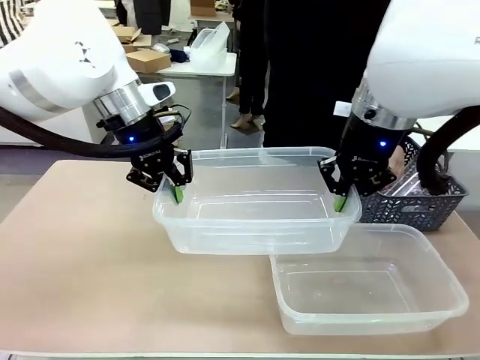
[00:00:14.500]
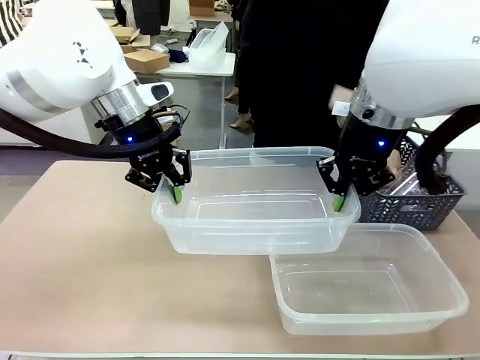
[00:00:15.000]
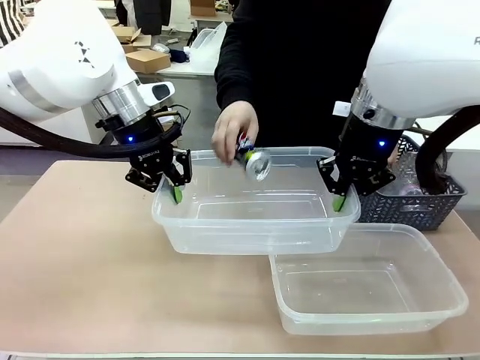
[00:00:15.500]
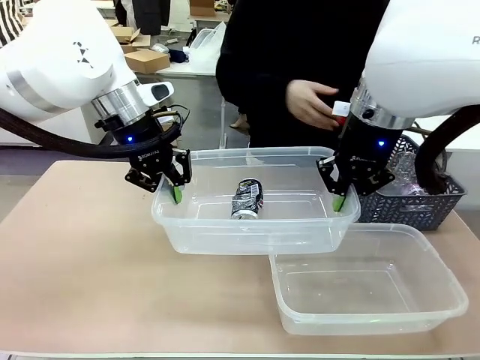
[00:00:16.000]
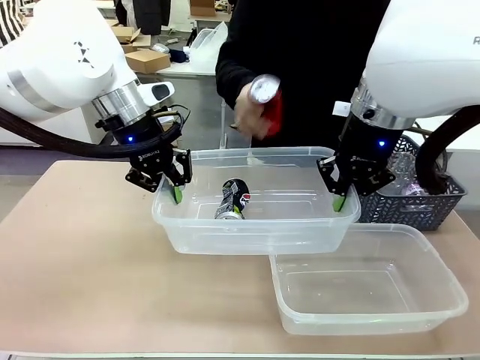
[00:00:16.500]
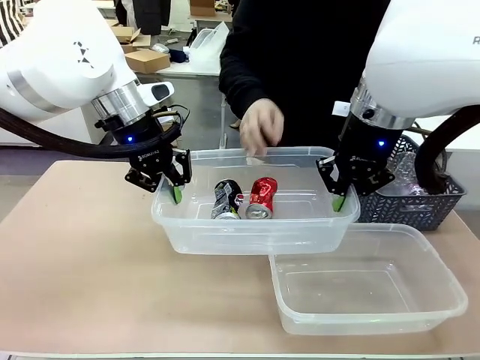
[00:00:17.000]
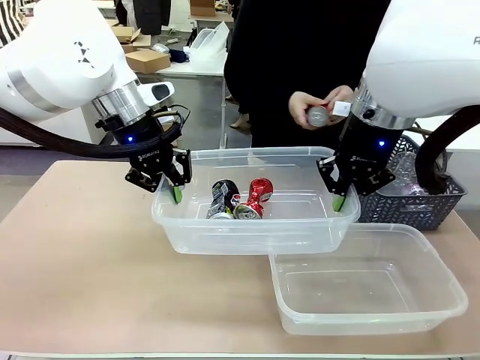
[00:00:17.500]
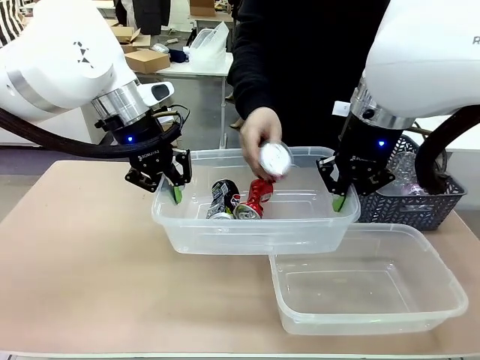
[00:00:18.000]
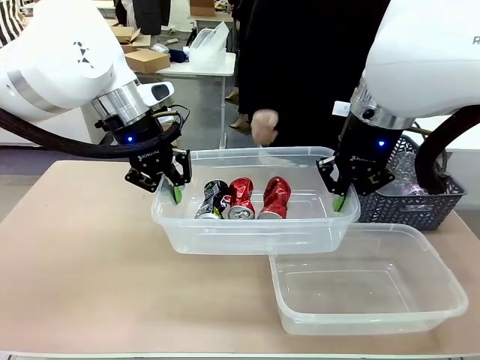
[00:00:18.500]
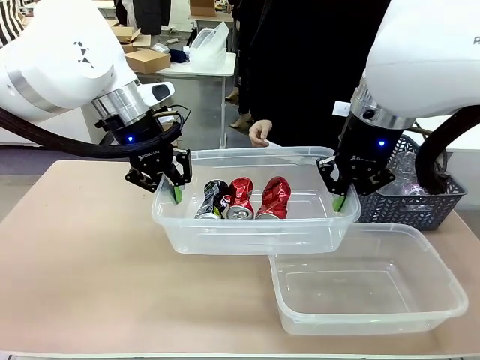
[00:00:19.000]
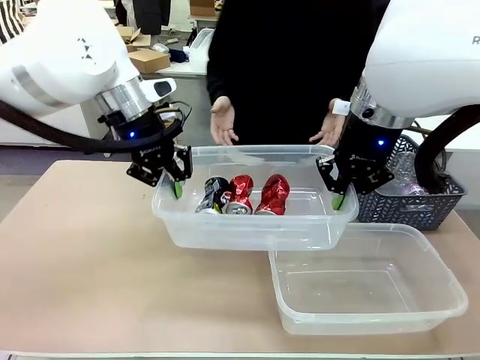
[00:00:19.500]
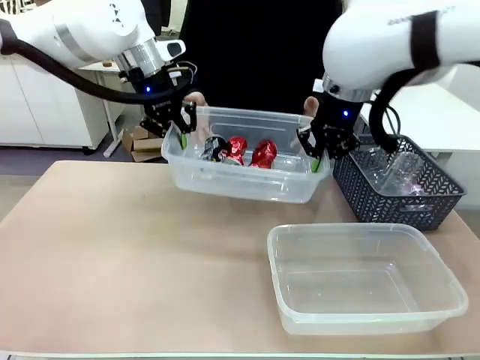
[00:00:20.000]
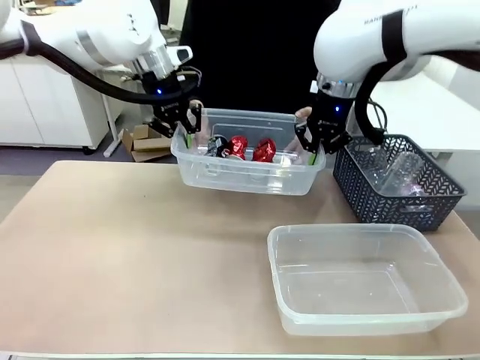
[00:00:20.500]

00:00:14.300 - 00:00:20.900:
Robot: Offer the picked Organizing box to the human.

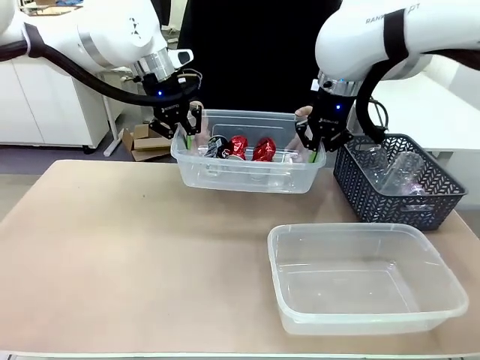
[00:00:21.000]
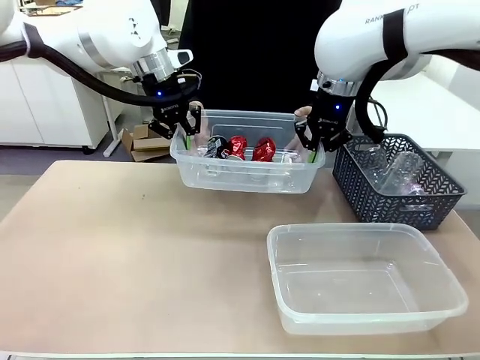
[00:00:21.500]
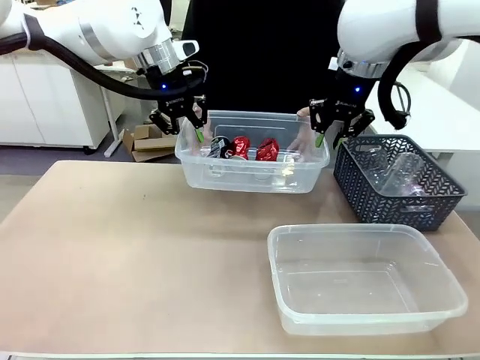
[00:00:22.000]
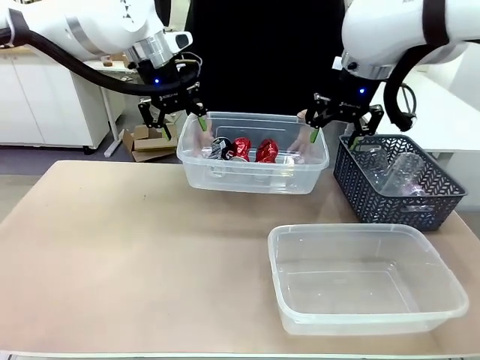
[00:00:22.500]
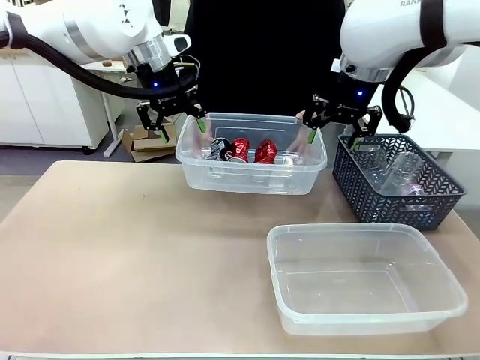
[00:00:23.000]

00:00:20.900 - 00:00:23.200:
Robot: Release the Organizing box you were holding.

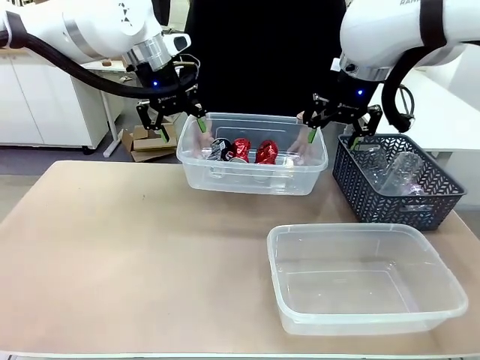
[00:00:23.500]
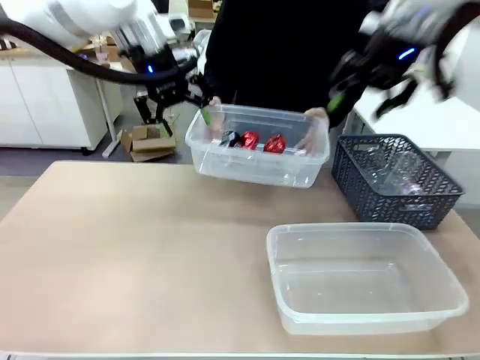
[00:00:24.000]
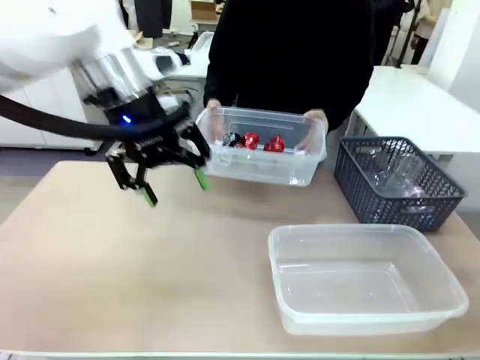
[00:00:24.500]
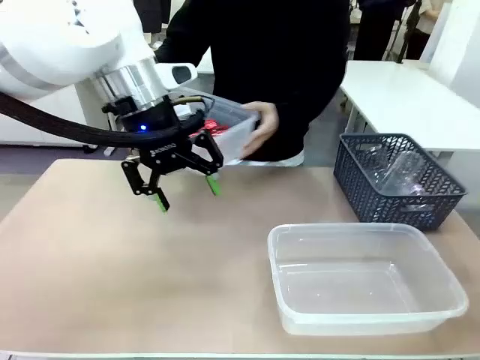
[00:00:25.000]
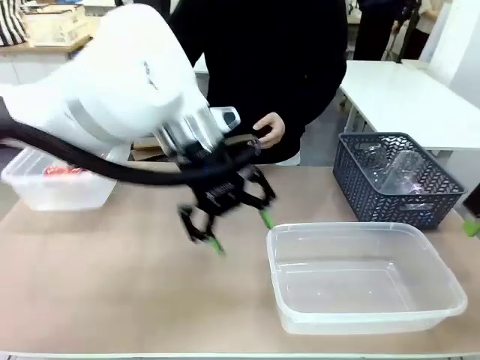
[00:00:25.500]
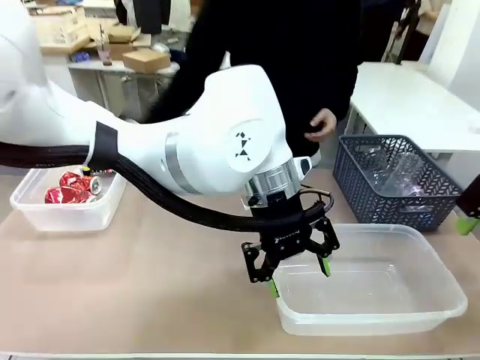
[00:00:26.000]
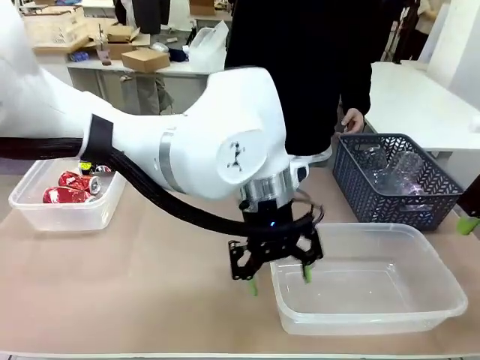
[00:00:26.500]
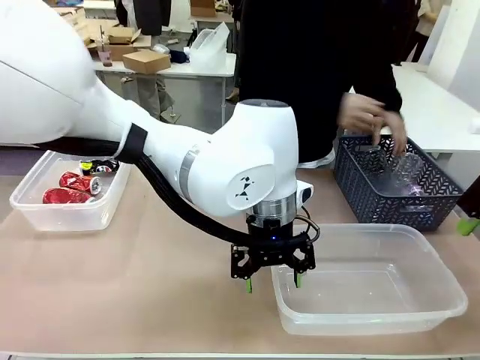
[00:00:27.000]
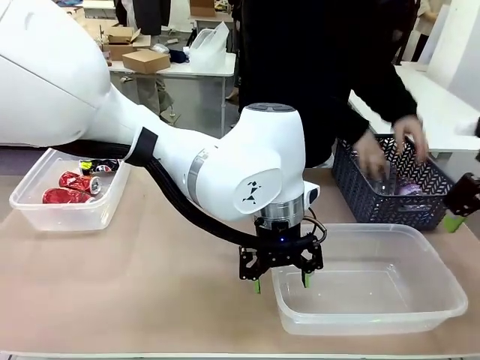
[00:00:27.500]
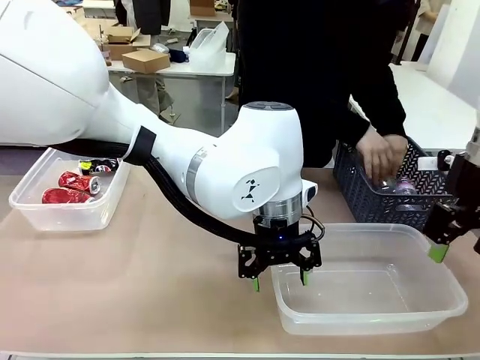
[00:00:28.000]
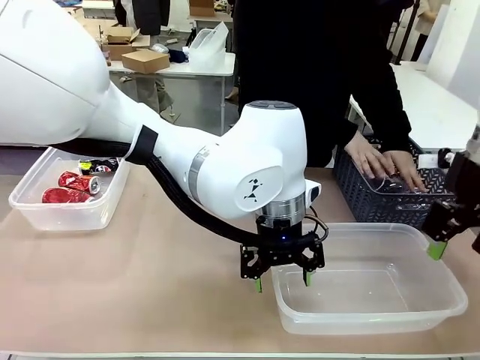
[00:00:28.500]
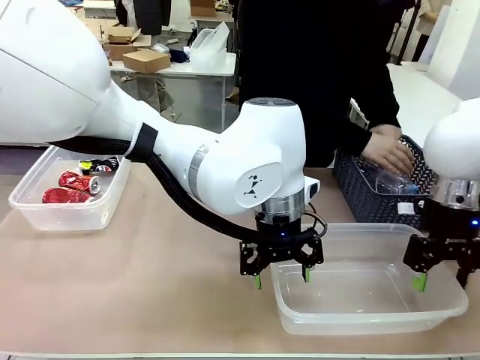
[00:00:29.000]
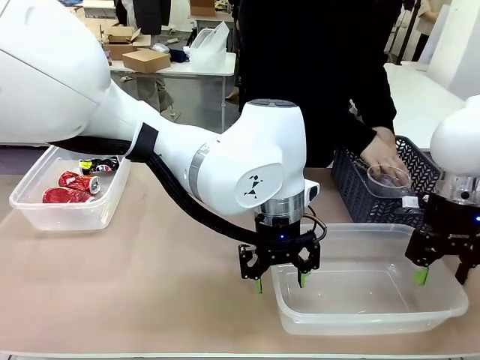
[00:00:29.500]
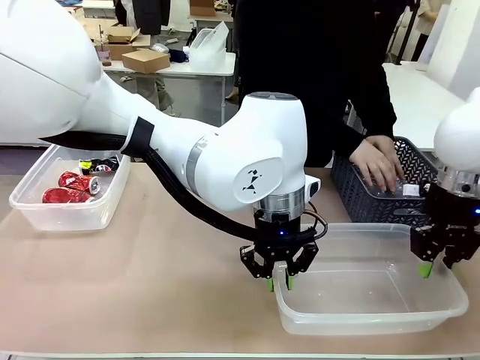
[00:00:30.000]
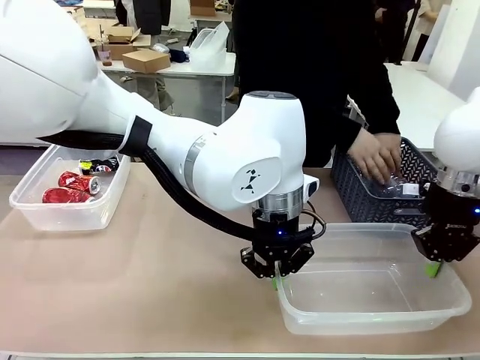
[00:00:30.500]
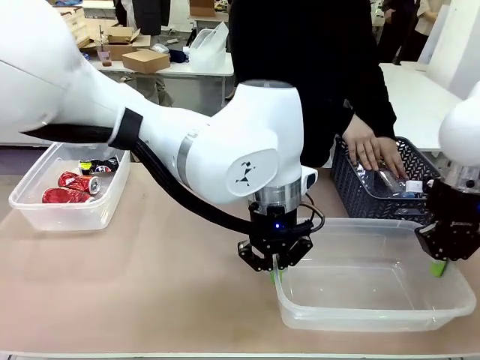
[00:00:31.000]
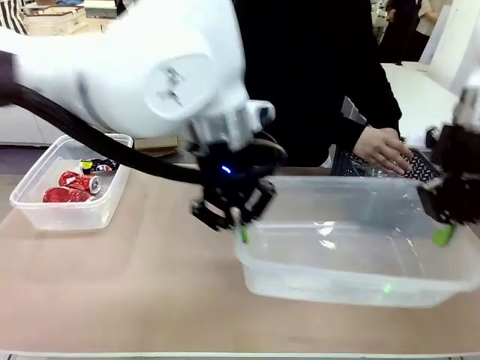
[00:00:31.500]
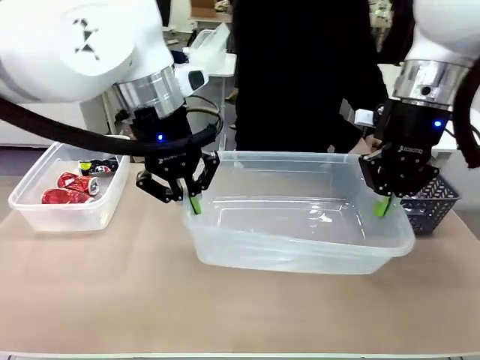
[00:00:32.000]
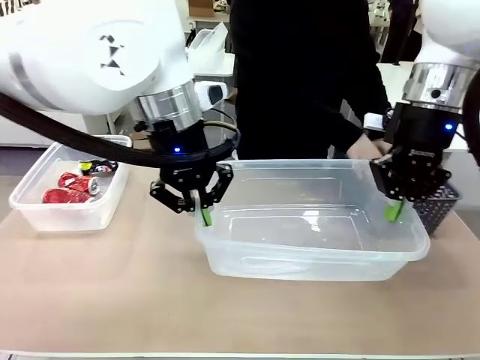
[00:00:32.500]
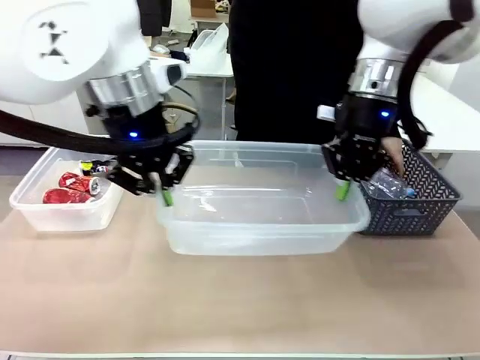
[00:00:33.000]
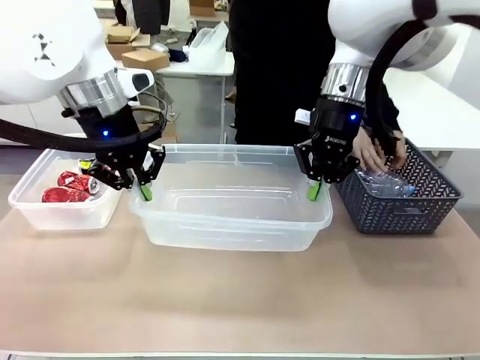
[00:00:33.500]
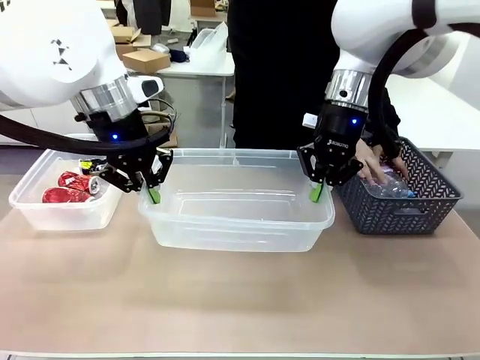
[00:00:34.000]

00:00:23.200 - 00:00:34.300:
Robot: Pick up the Organizing box on the right side of the table and lift it.
Person: Place it at the edge of the bottom right area of the robot table. Pick up plastic waste one by one and place it into the organizing box lifted by the robot.

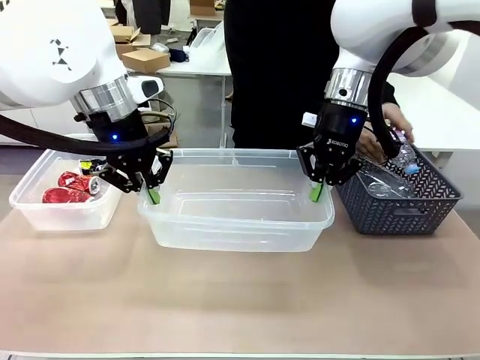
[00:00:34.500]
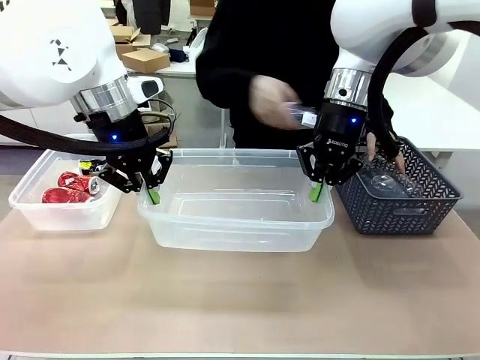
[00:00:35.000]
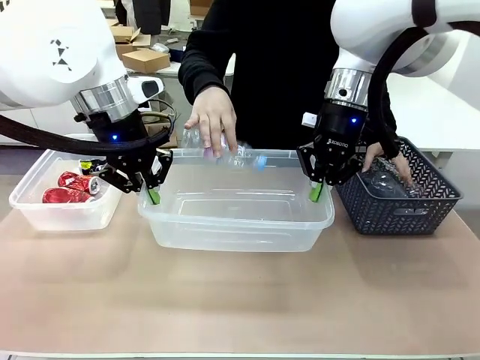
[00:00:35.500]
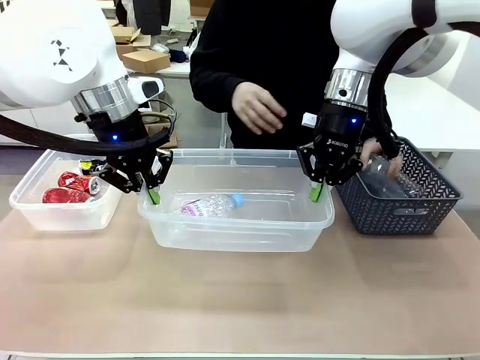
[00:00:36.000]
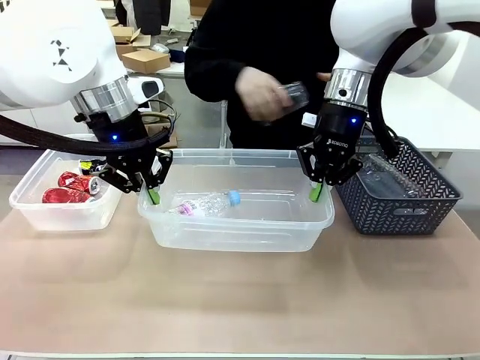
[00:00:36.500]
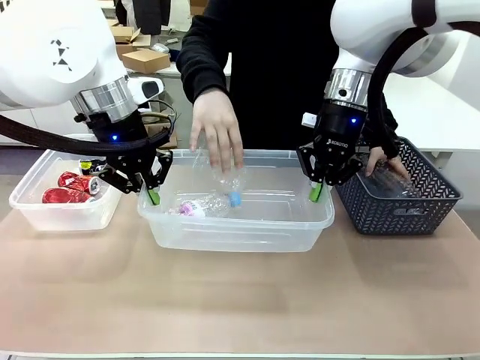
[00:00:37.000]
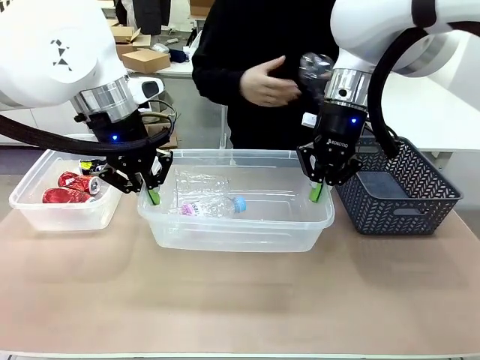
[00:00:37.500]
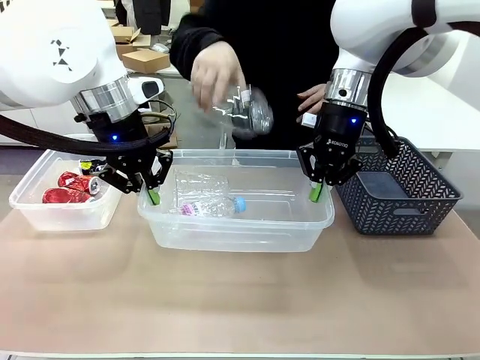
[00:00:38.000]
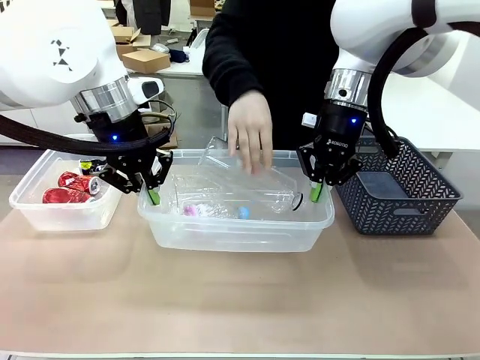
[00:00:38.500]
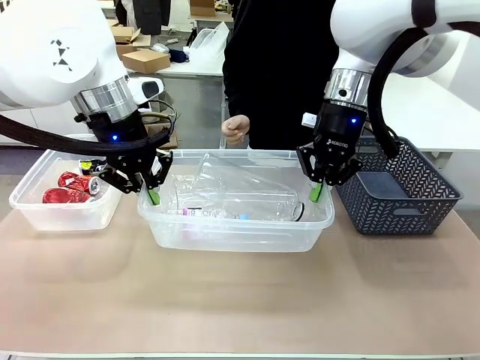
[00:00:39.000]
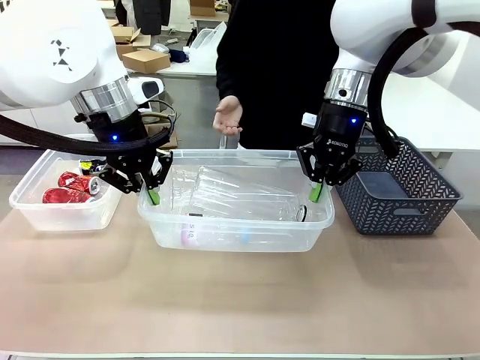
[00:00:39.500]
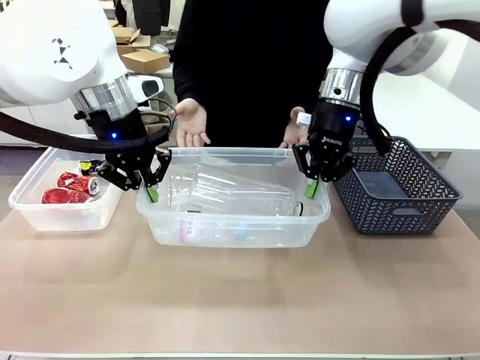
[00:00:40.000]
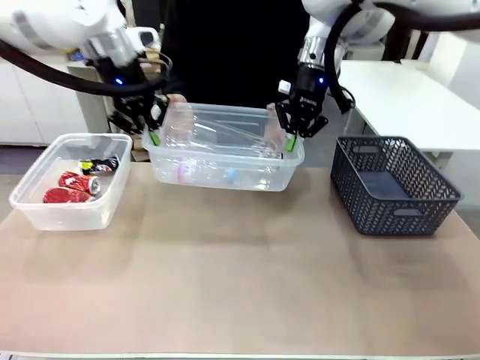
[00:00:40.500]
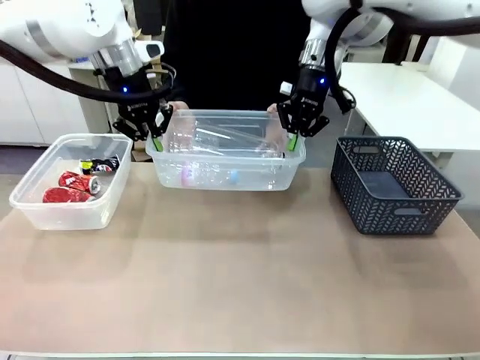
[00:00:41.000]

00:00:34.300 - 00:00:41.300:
Robot: Offer the picked Organizing box to the human.

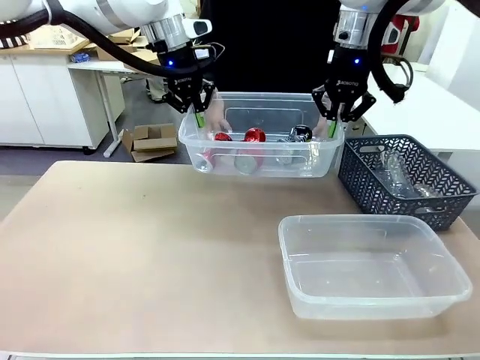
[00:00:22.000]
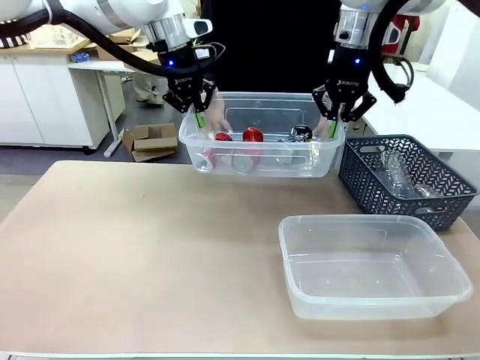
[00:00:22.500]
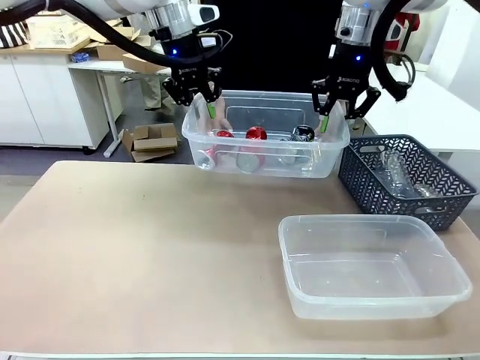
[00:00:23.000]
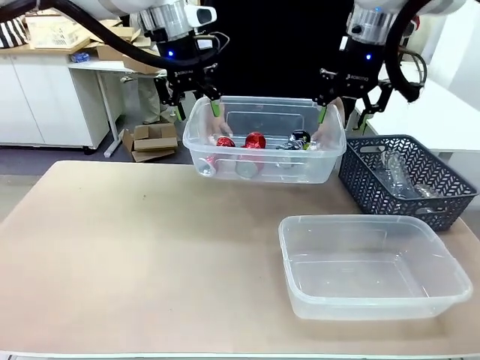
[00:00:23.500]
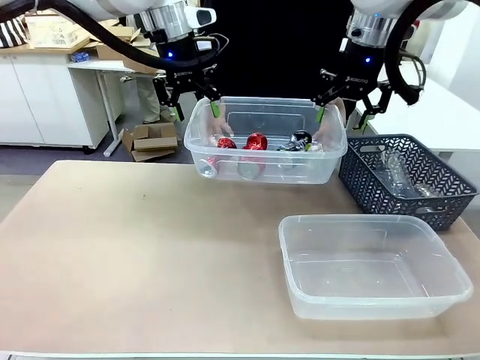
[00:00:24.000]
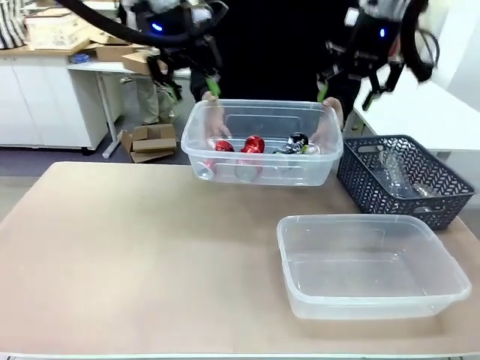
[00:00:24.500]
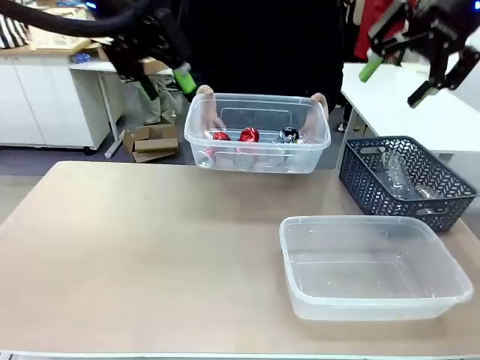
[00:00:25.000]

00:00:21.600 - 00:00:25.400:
Robot: Release the Organizing box you were holding.
Person: Pick up the organizing box extended by the robot.
